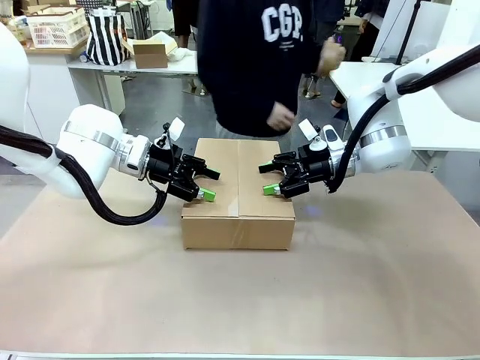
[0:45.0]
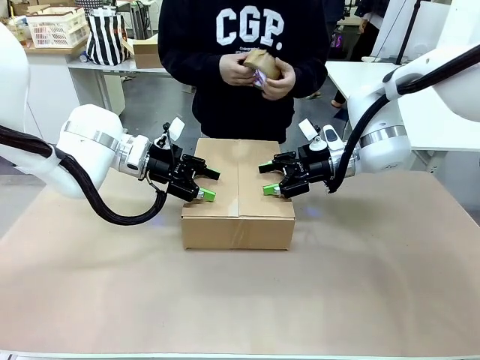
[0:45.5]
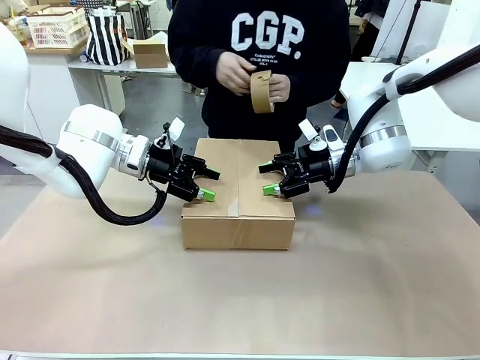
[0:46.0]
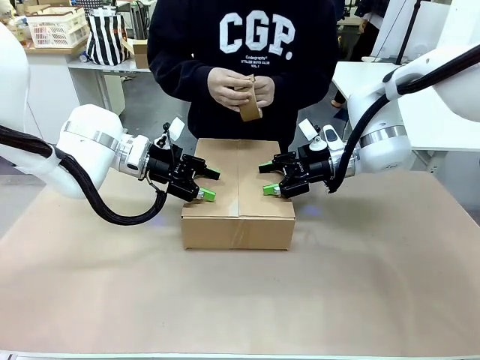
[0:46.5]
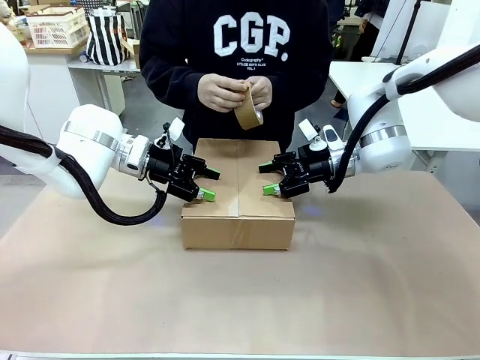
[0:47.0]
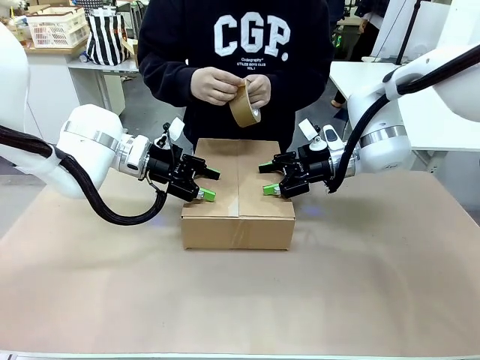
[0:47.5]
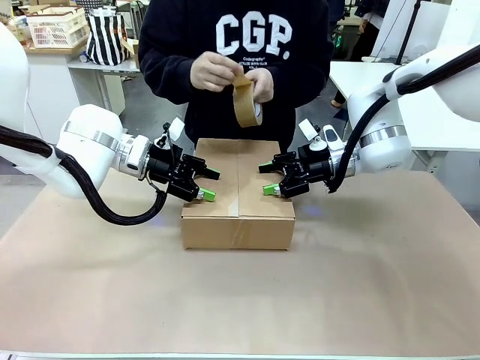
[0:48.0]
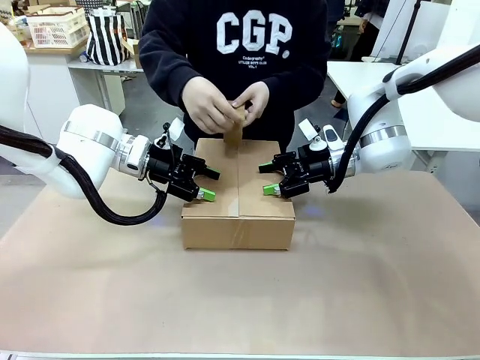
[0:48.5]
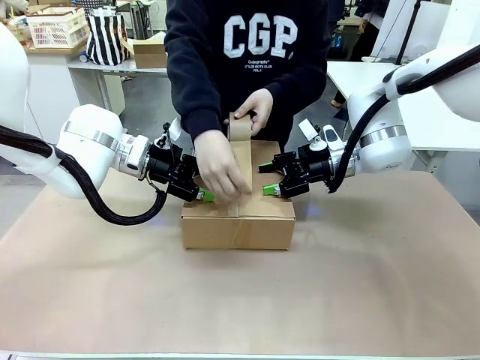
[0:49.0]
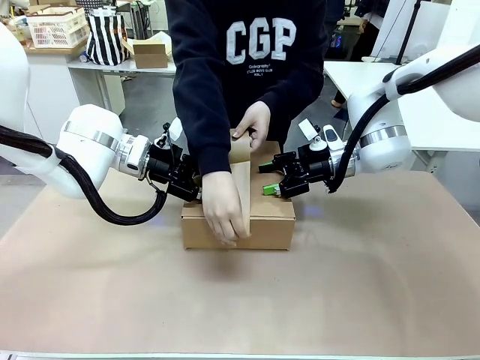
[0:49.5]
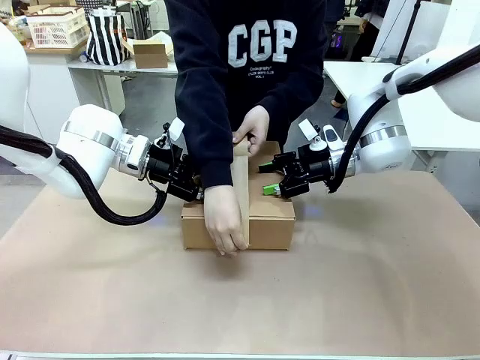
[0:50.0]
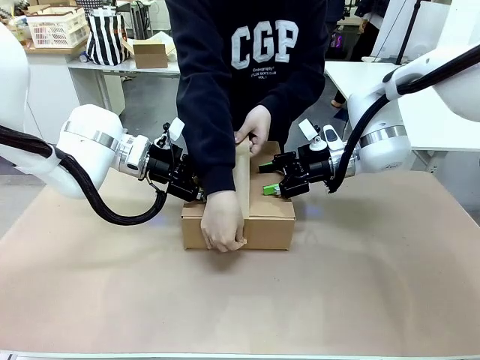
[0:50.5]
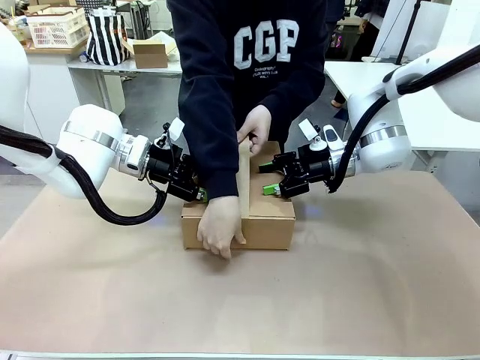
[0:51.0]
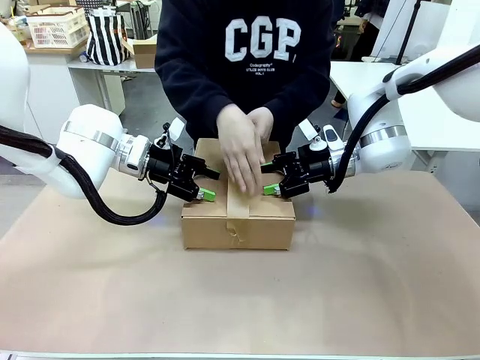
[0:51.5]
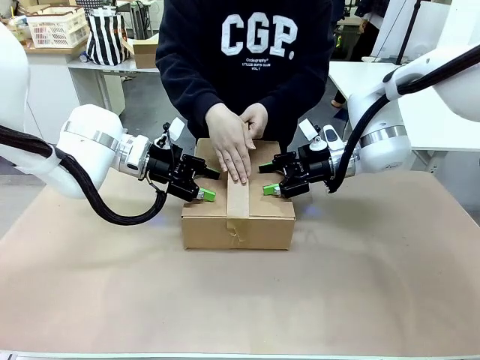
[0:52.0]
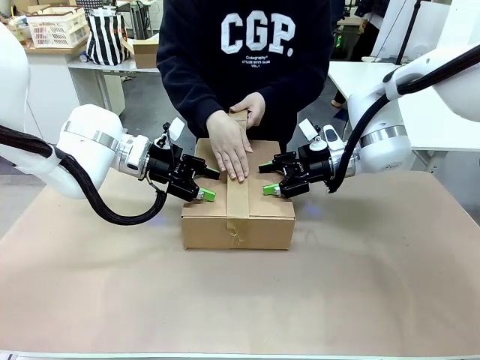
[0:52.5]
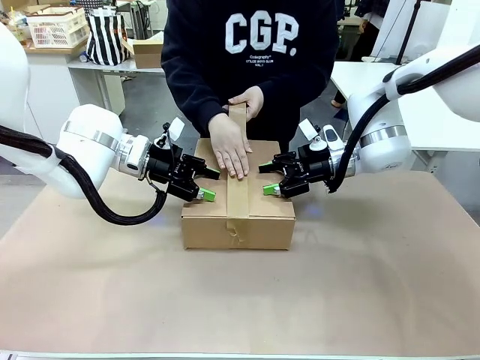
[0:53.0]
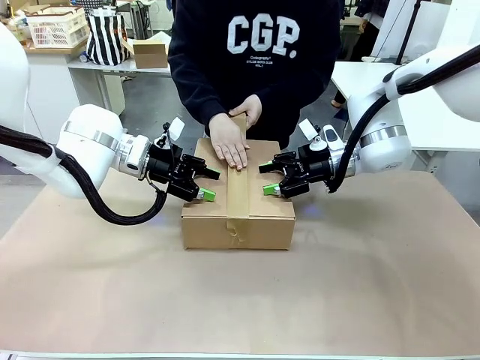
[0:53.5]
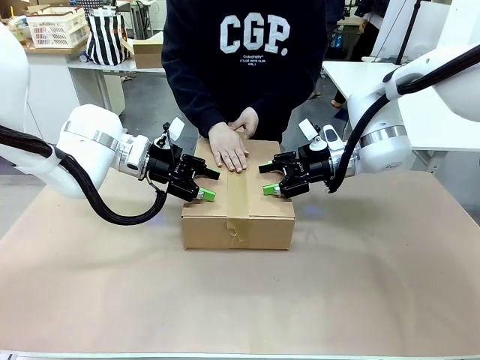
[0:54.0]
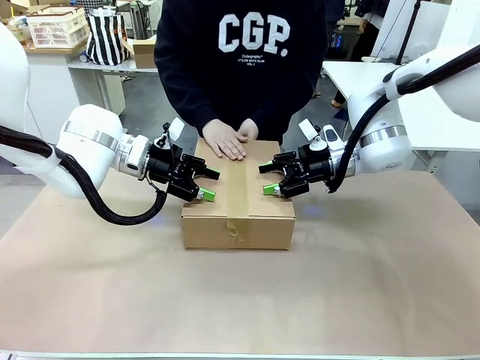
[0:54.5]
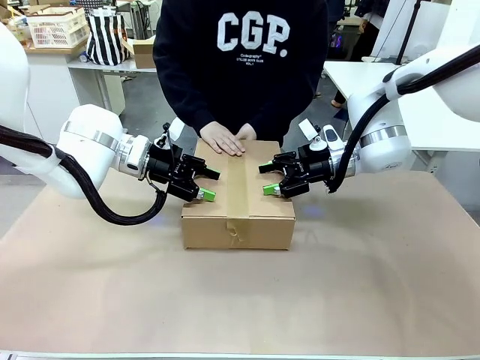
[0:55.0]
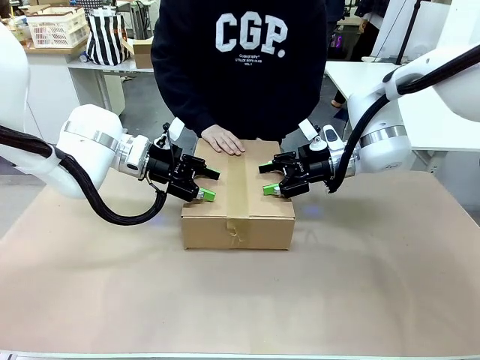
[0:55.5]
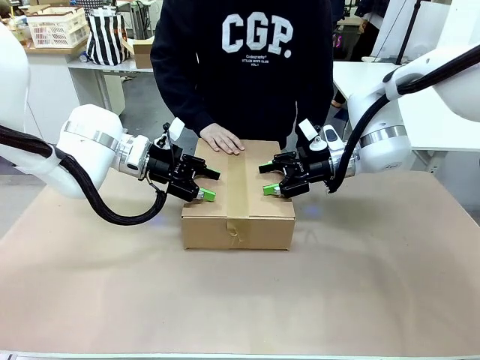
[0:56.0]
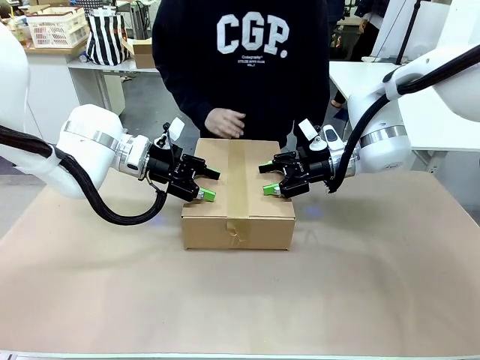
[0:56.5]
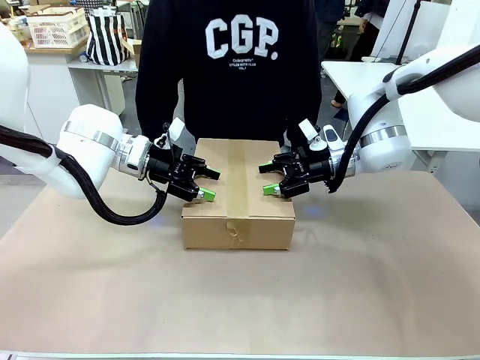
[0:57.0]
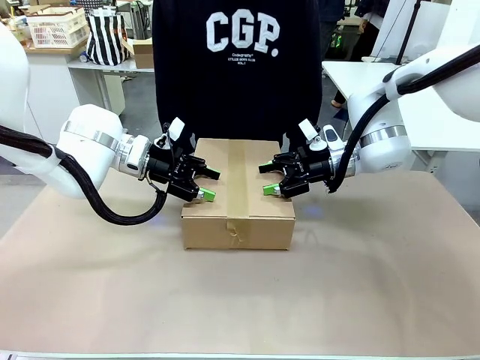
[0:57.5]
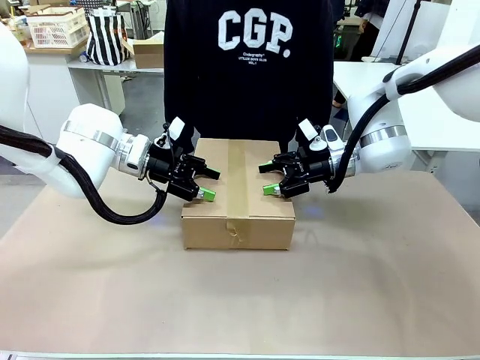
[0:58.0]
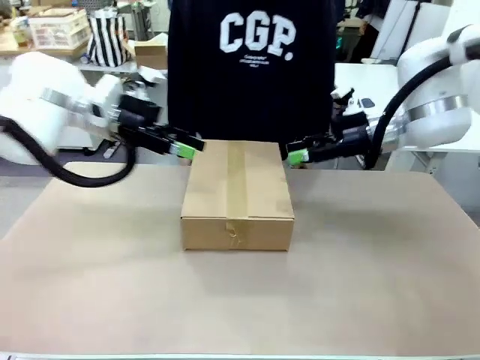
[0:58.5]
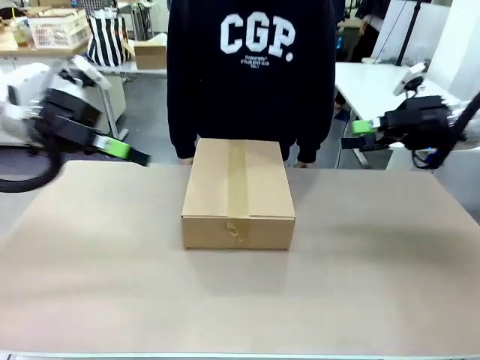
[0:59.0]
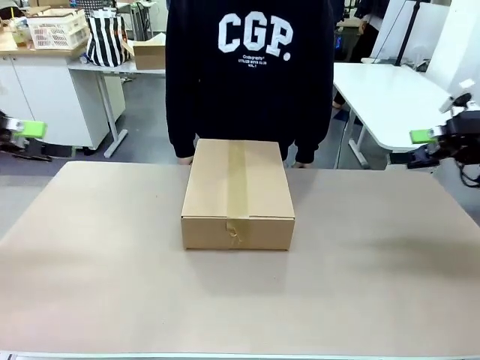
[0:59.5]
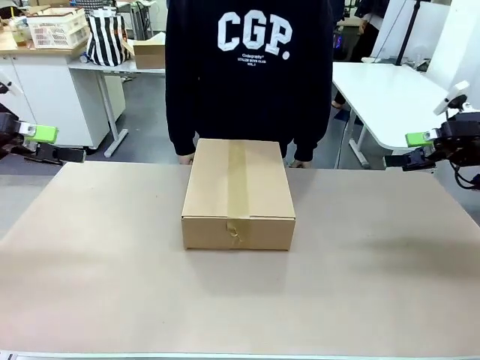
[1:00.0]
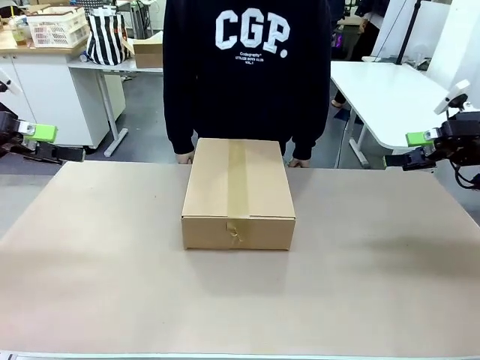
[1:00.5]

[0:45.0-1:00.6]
Task: Pack the gift set into the box.
Robot: Press and hold the closed box until the human finishes sealing it.
Person: The human picks up the paper tape from the human table and packs the box.

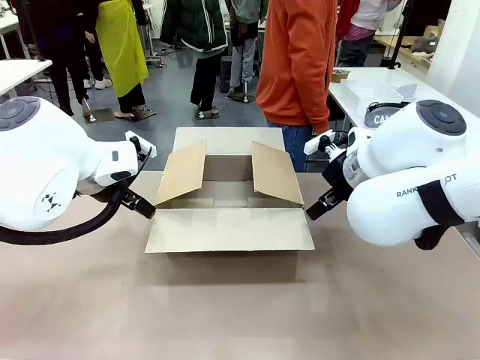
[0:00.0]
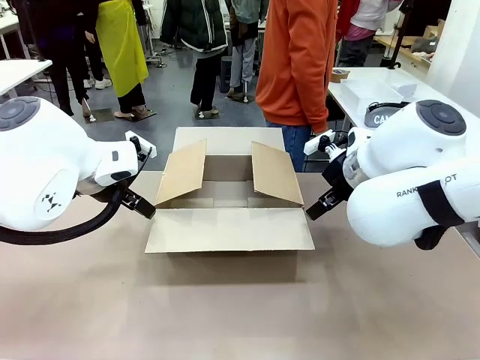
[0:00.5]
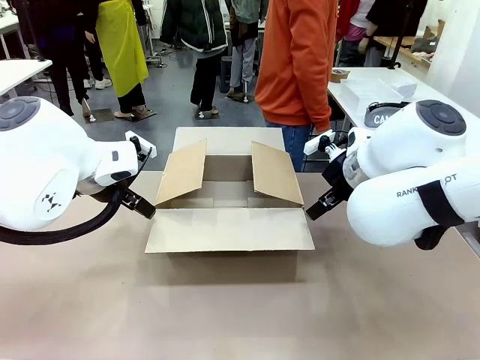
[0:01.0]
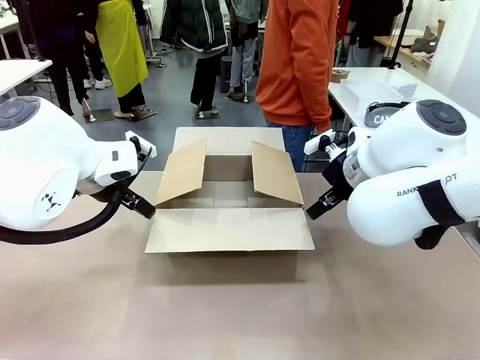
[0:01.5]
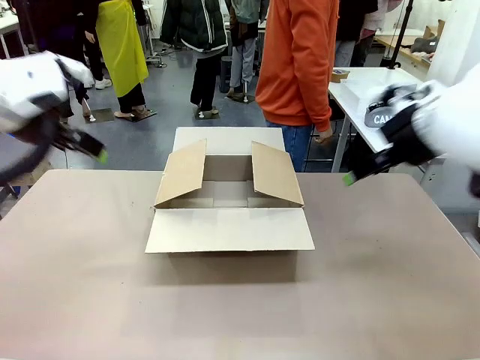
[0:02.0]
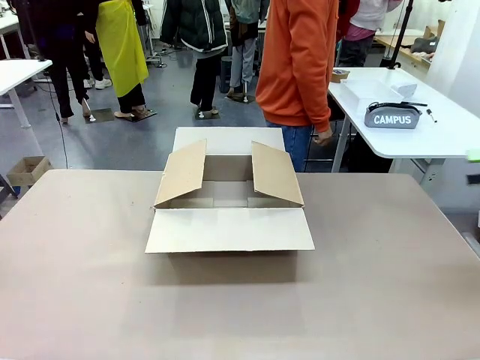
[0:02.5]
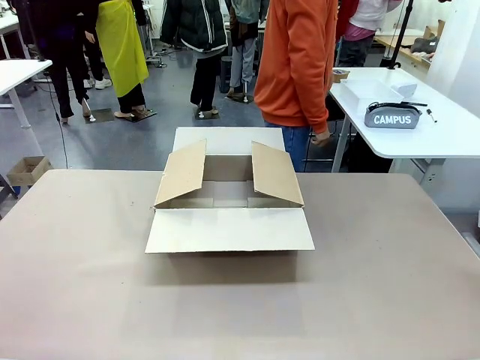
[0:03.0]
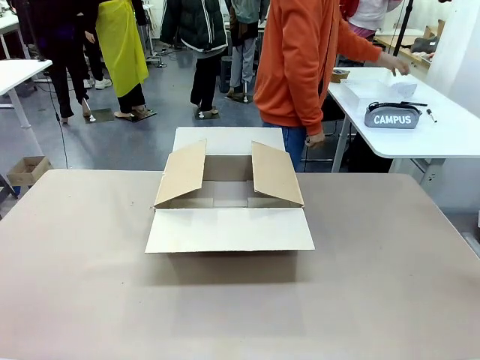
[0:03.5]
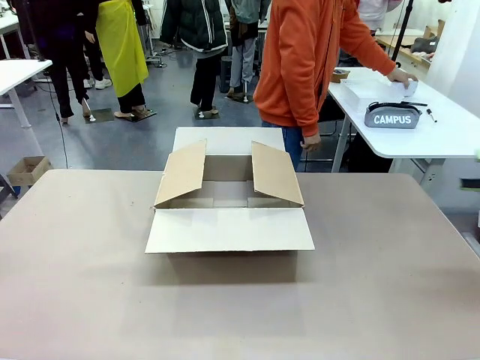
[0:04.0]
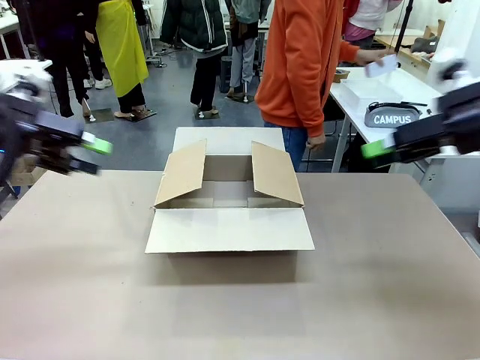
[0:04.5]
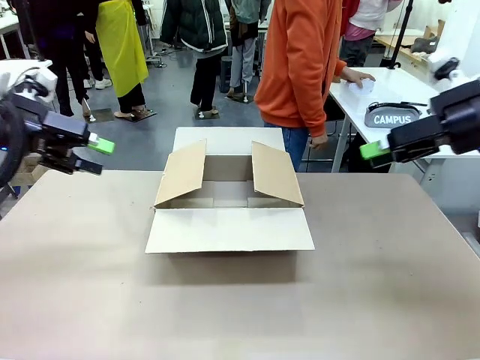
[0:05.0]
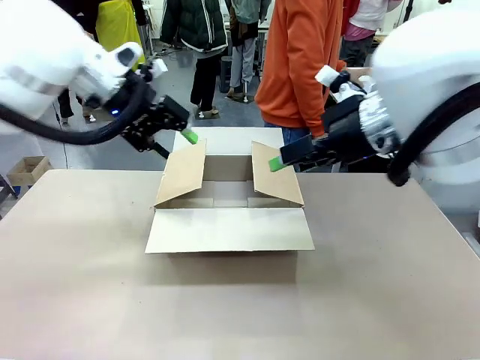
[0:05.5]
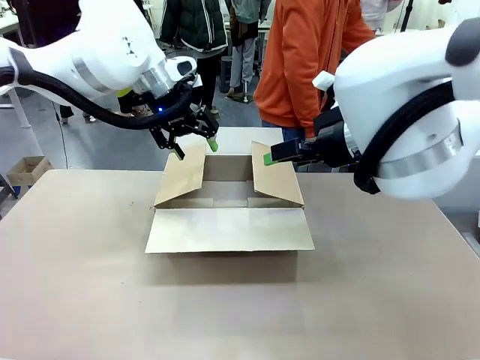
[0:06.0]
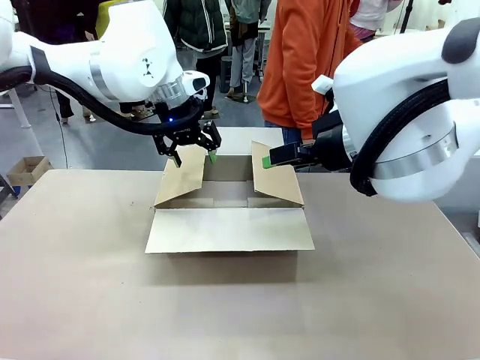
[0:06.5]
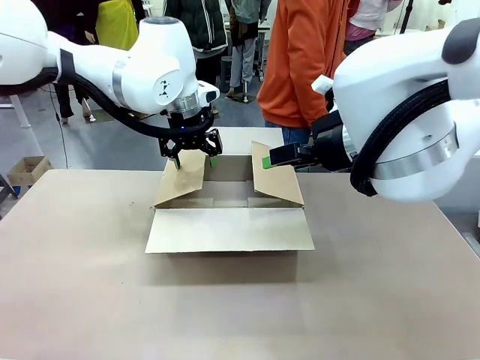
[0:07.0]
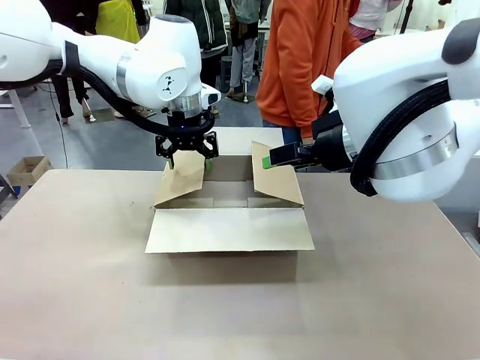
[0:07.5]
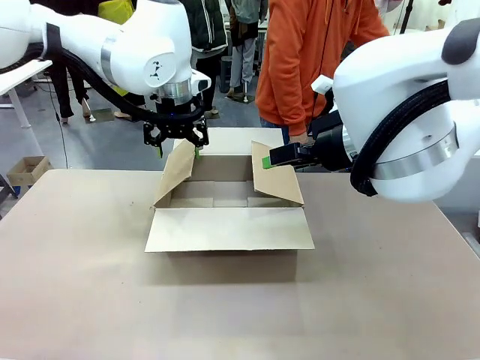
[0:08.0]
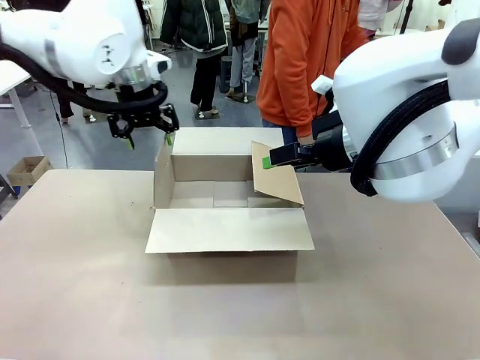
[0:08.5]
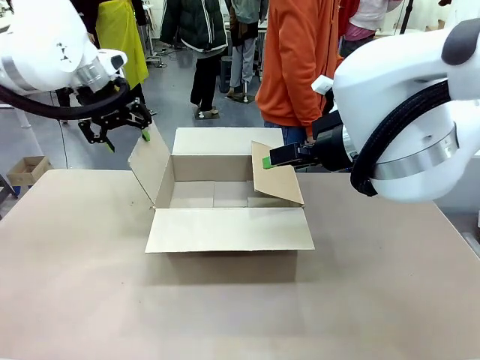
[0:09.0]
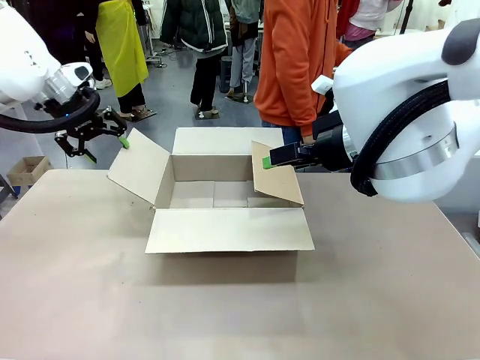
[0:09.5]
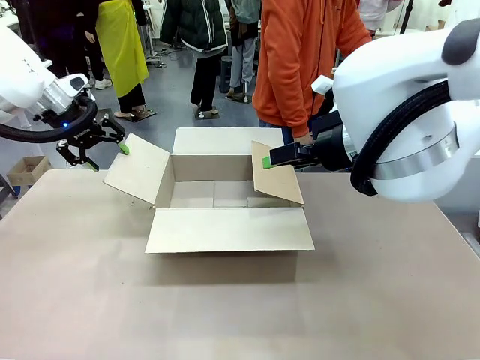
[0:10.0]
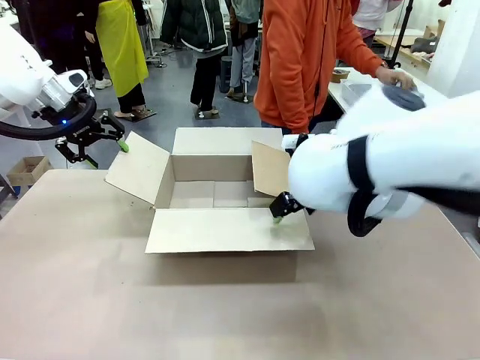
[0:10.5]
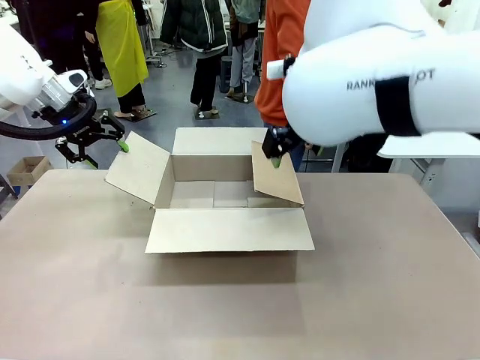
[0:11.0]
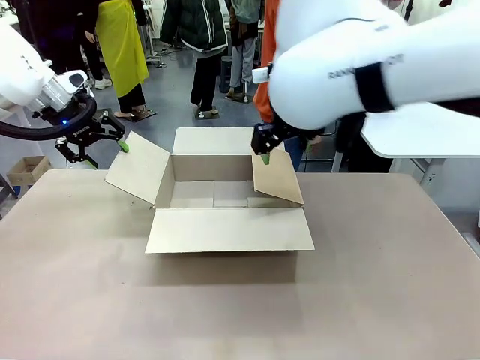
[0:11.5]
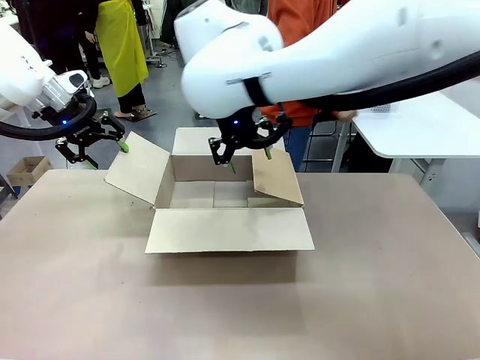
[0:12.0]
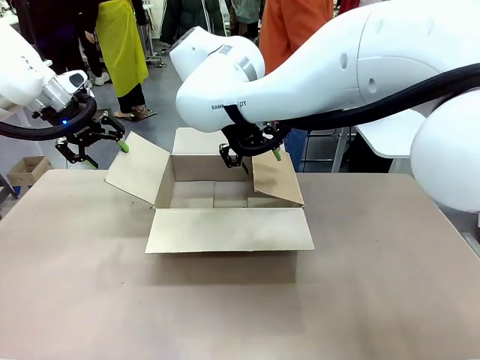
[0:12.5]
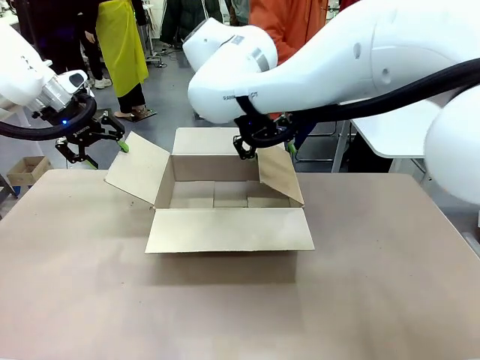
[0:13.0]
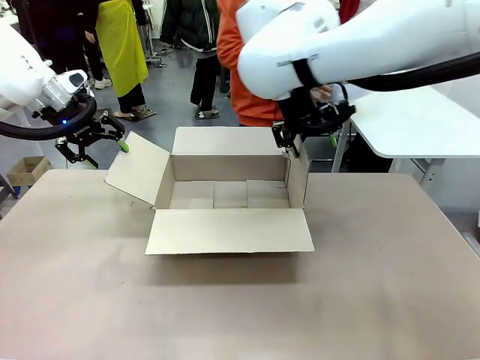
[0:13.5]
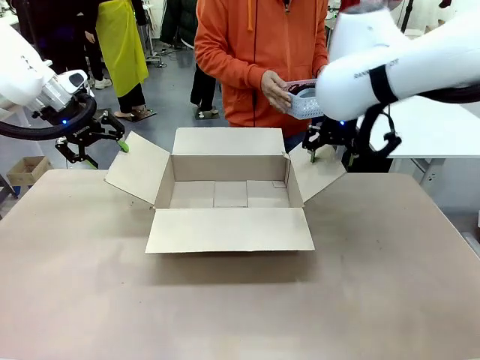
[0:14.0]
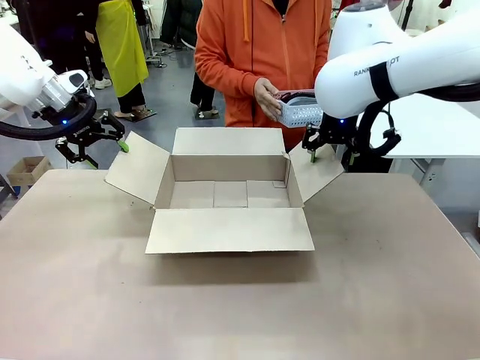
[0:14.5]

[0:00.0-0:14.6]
Task: Pack the gift set into the box.
Robot: Place both hands on the side flaps of the Package Box and spread them outward.
Person: The human places all items except the paper tape into the organizing basket.
